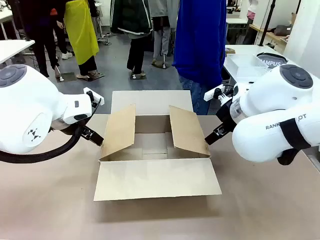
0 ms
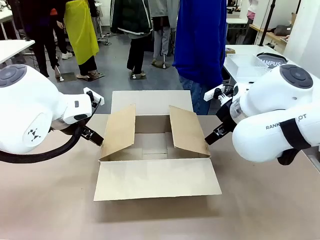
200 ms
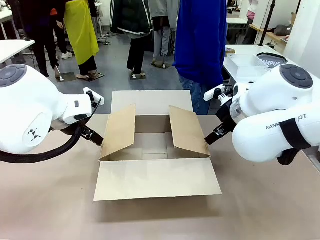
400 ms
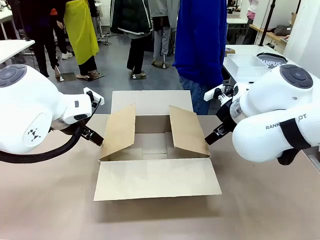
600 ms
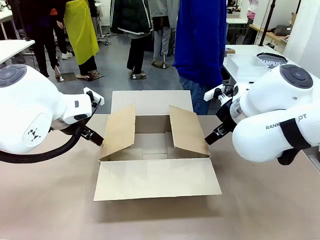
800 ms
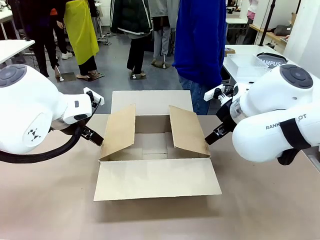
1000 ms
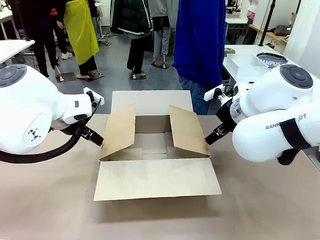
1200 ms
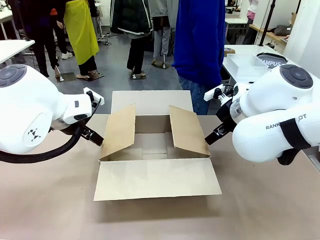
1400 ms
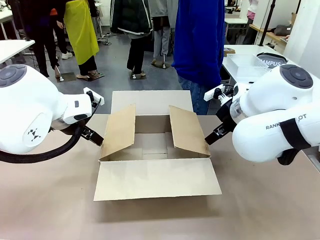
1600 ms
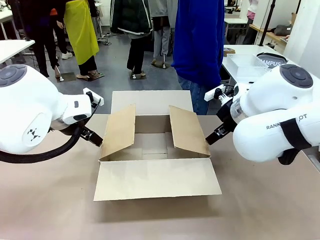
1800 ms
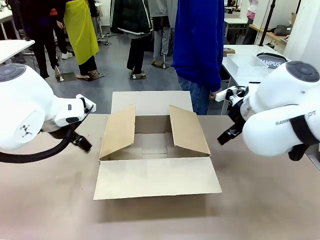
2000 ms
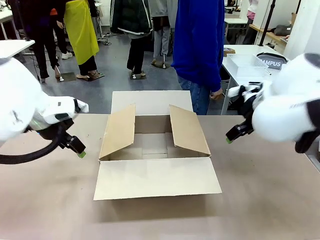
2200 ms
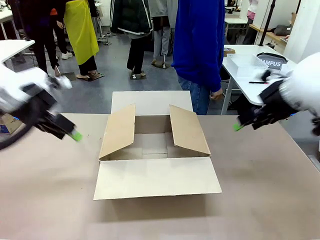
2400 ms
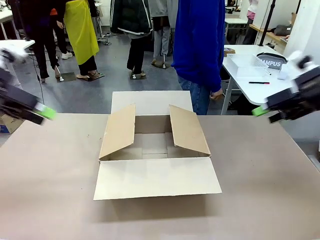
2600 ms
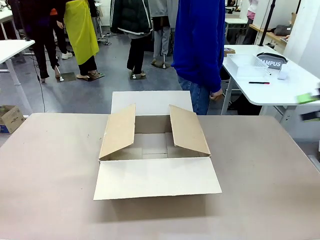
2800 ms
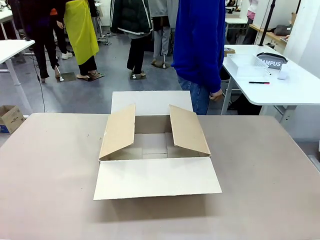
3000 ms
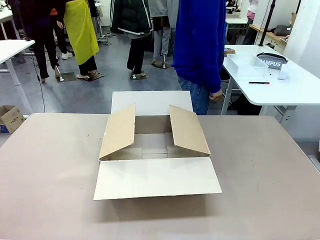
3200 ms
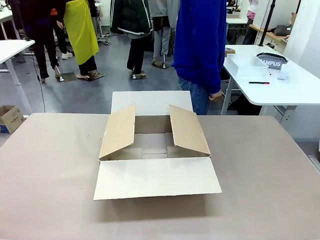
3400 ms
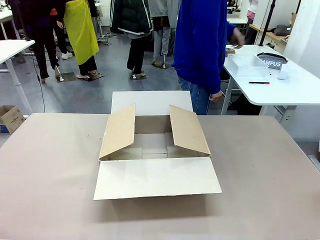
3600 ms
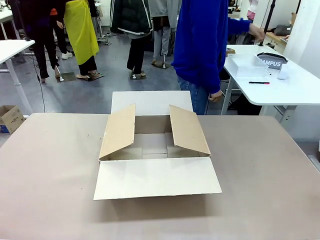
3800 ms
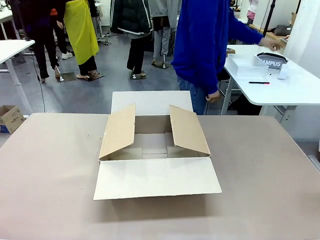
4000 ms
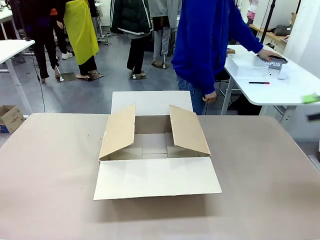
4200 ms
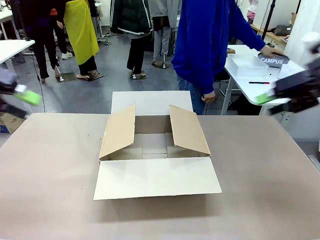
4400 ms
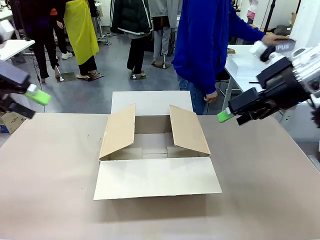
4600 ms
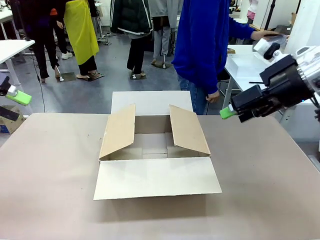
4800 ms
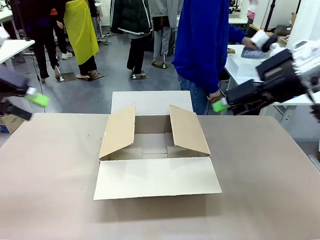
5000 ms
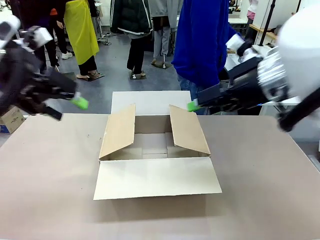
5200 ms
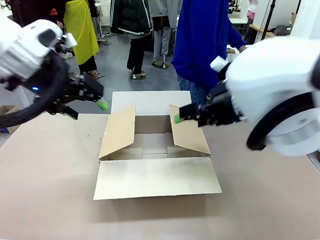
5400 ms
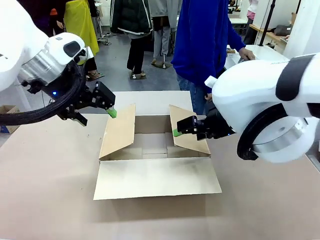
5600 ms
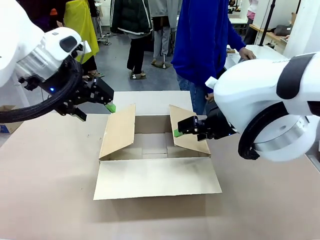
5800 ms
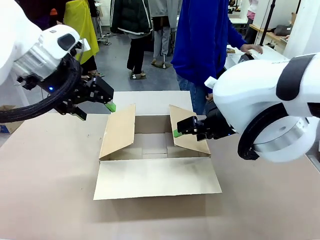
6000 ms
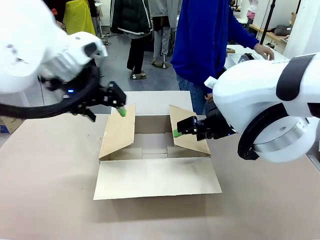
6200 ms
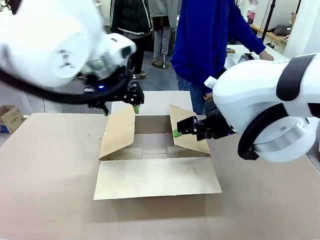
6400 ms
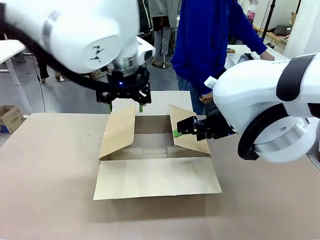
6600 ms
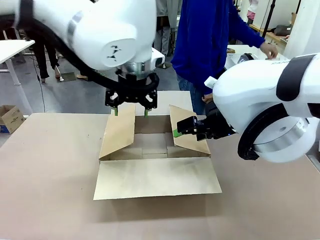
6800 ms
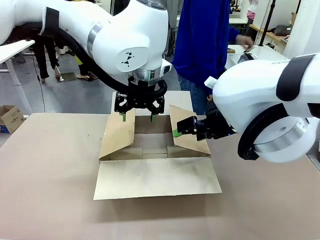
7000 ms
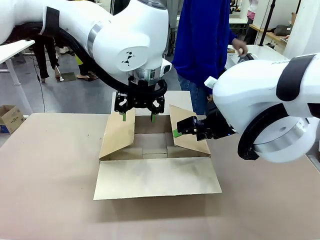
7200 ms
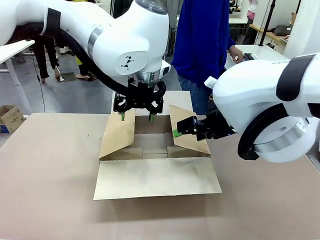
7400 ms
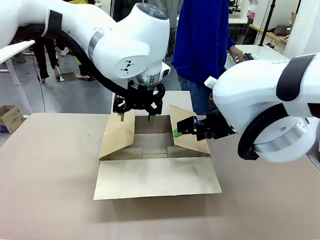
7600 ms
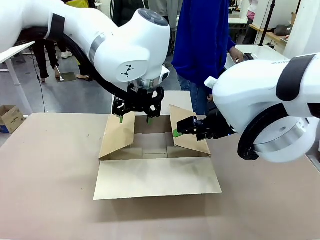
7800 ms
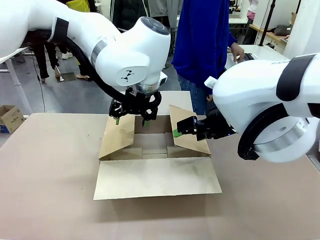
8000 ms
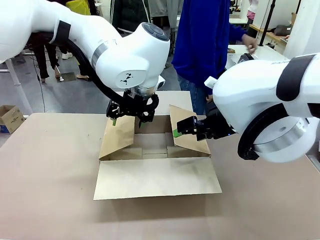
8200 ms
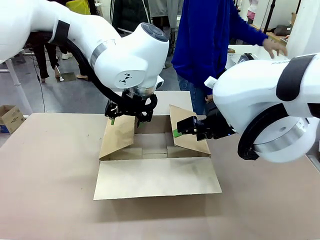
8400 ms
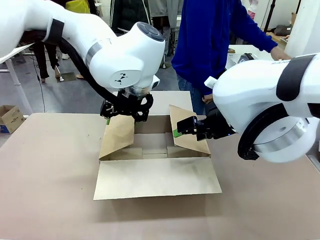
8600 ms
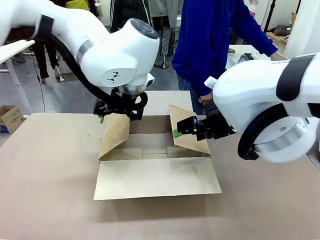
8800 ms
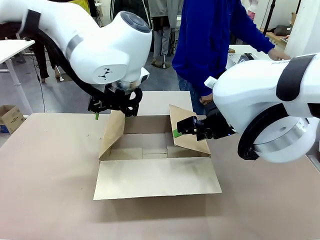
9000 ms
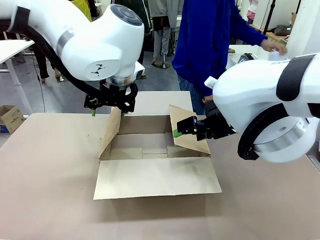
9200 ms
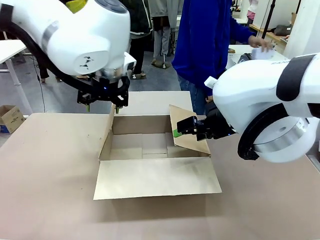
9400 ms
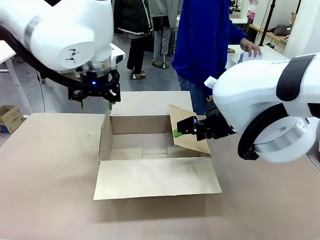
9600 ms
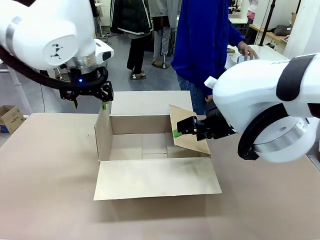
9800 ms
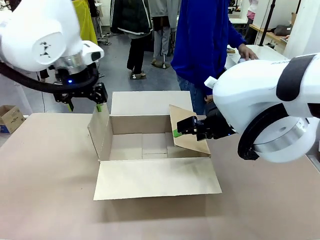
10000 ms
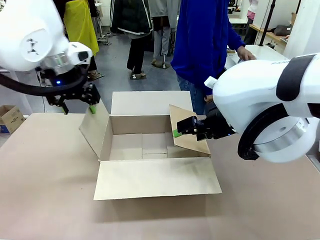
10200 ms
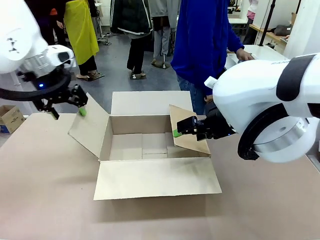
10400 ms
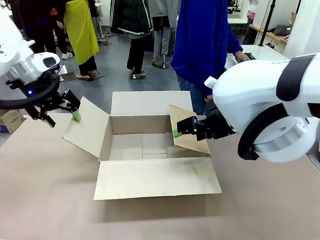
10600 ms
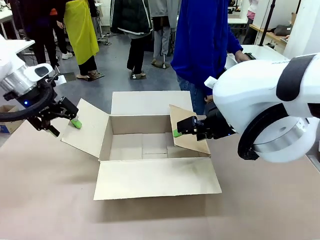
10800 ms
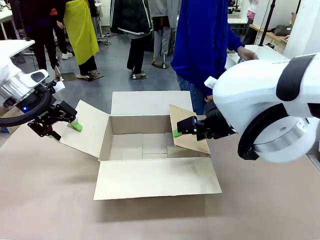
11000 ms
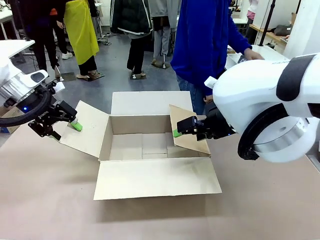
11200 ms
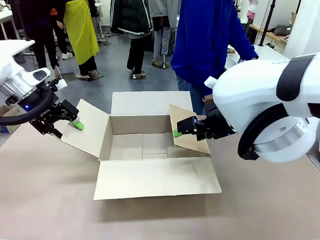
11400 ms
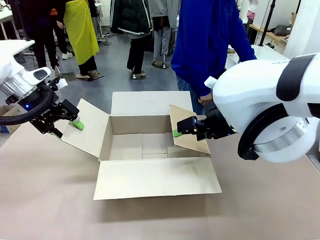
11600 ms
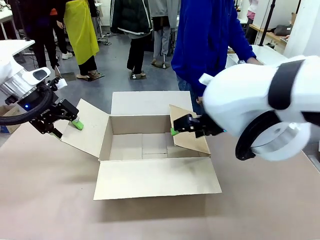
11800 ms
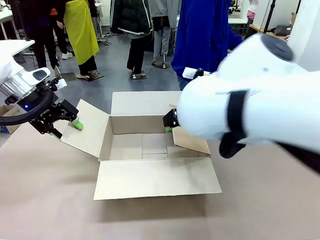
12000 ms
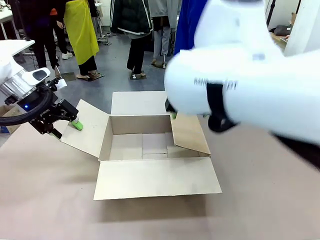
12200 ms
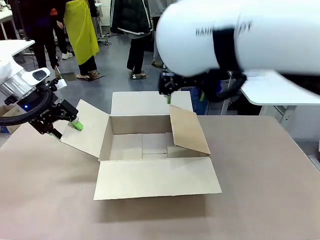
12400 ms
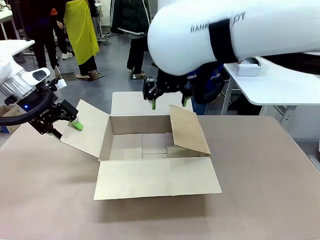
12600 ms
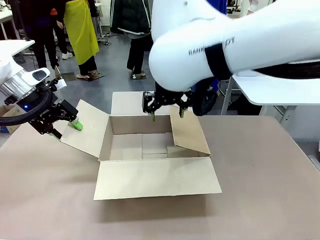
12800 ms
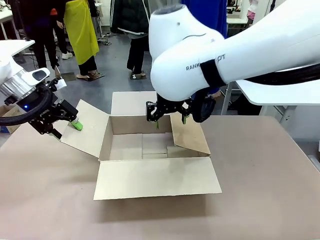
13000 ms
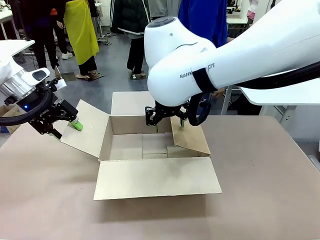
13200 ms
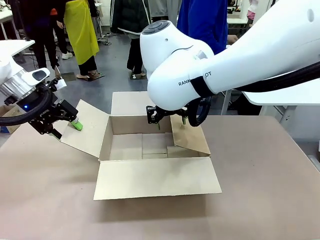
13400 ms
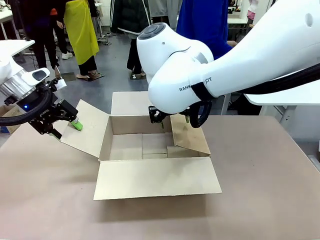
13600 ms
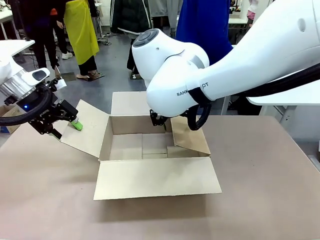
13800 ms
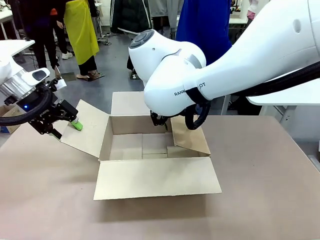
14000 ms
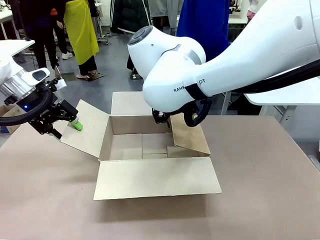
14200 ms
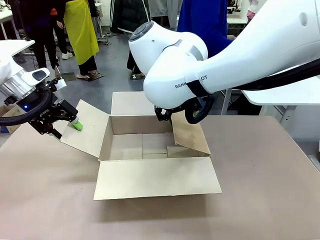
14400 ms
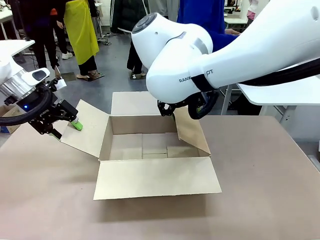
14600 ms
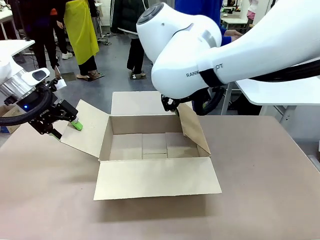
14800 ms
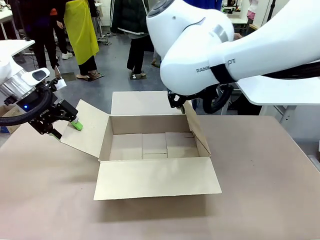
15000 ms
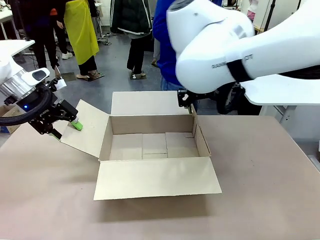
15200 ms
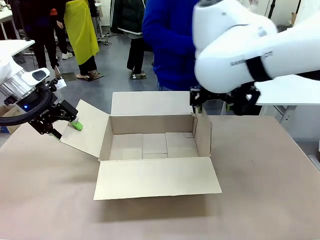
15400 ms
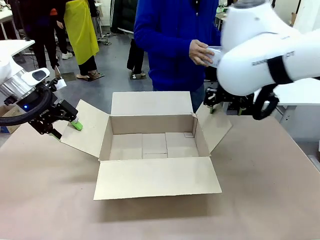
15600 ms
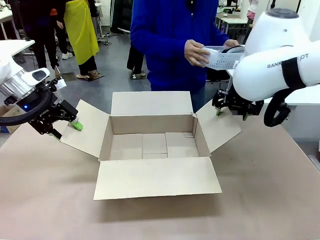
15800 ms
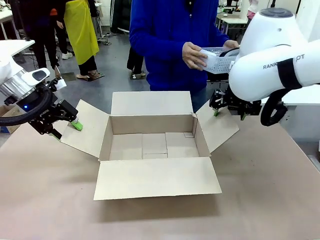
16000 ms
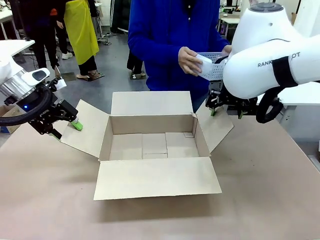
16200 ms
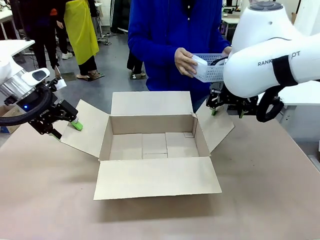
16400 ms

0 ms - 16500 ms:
Task: Pack the gift set into the box.
Robot: Place both hands on the side flaps of the Package Box and spread them outward.
Person: The human places all items except the paper tape into the organizing basket.

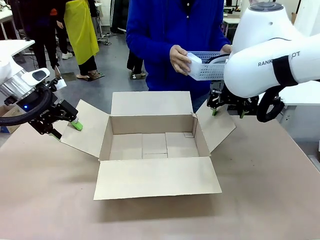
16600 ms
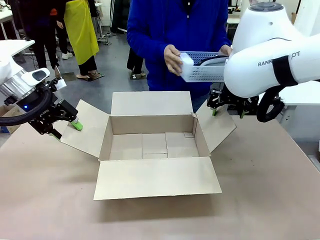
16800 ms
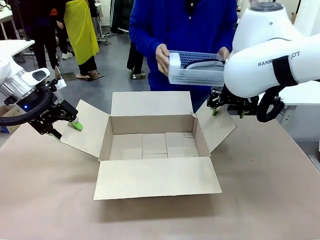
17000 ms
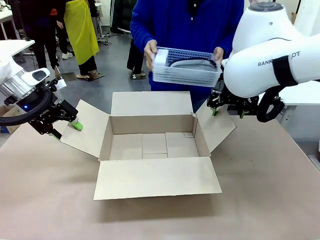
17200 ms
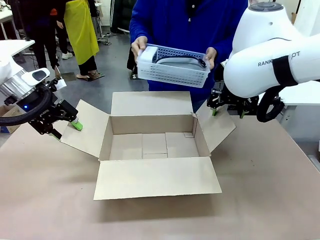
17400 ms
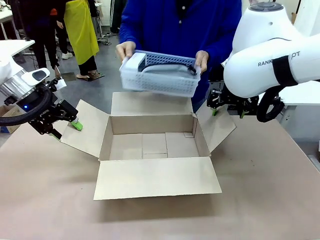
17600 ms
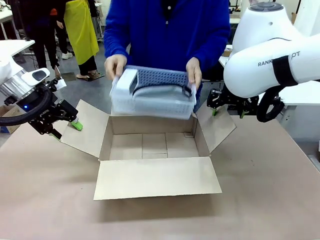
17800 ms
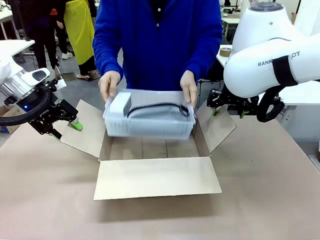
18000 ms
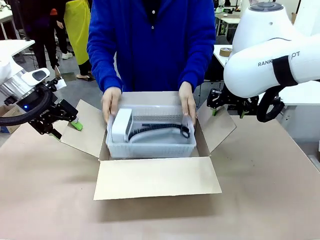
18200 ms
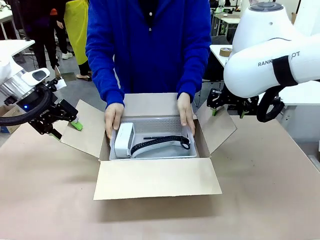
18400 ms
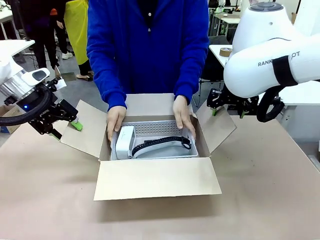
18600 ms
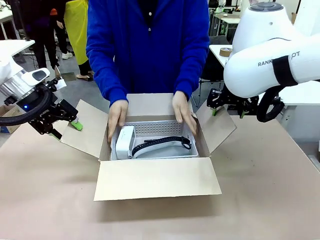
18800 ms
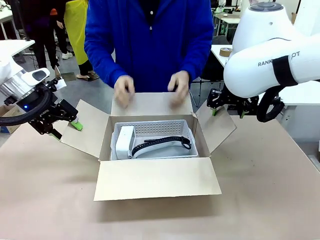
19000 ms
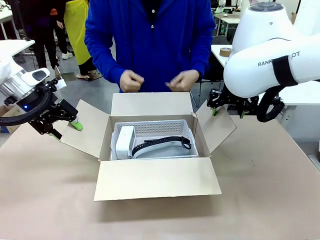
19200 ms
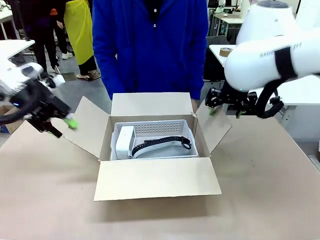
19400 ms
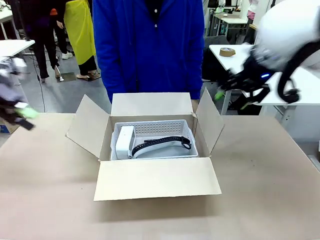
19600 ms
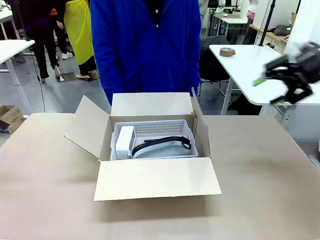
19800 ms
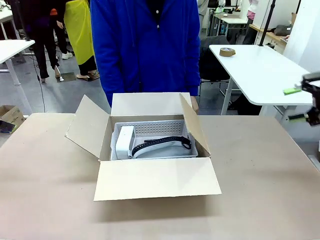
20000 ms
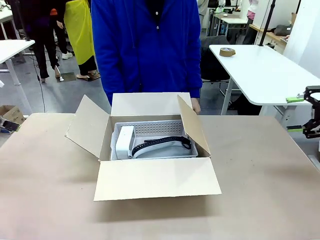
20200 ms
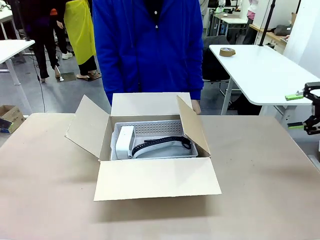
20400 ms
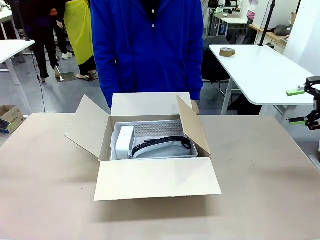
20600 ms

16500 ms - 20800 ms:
Robot: Lift both hands away from the flaps of the Package Box.
Person: The human picks up the organizing basket and places the organizing basket into the package box on the robot table.
